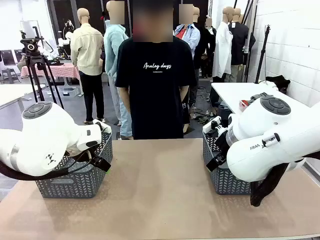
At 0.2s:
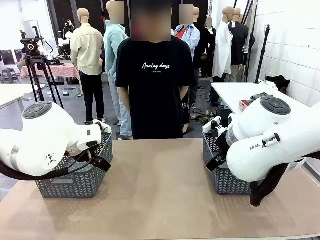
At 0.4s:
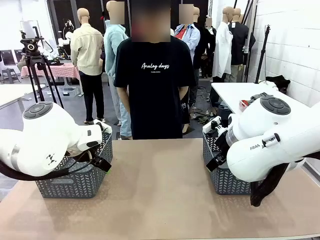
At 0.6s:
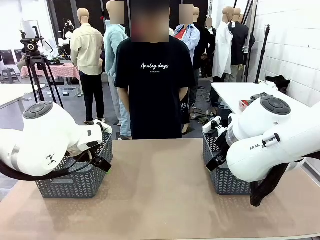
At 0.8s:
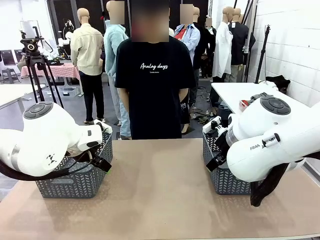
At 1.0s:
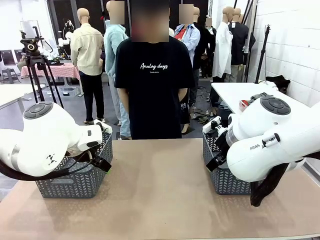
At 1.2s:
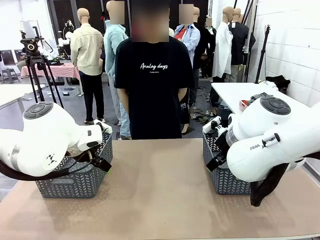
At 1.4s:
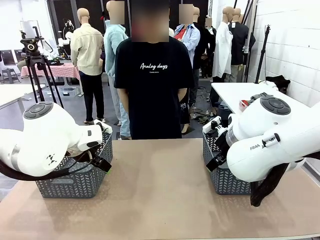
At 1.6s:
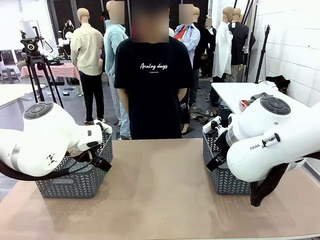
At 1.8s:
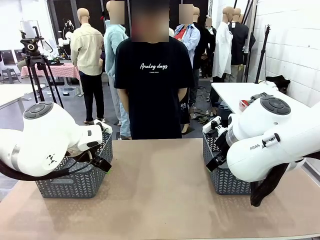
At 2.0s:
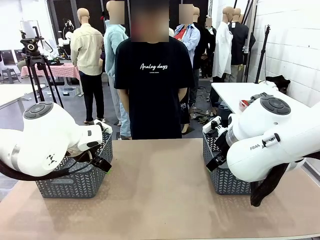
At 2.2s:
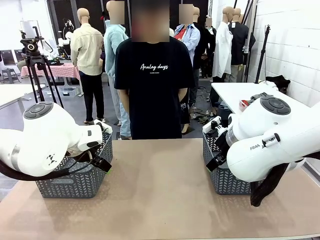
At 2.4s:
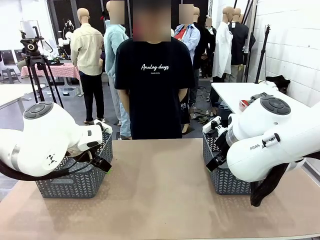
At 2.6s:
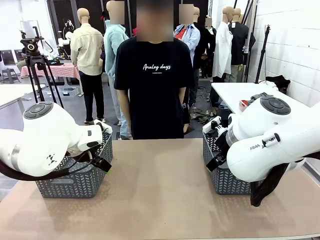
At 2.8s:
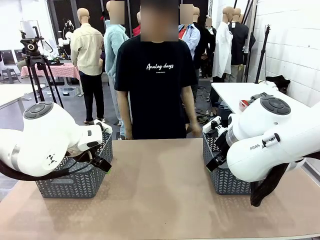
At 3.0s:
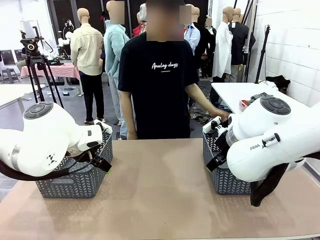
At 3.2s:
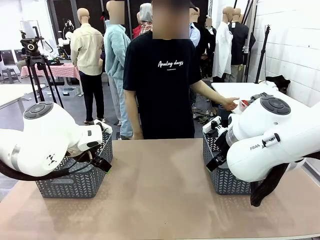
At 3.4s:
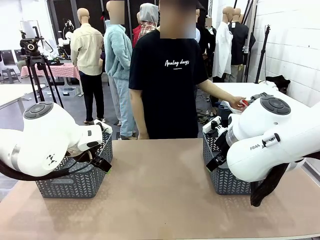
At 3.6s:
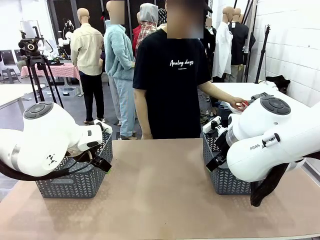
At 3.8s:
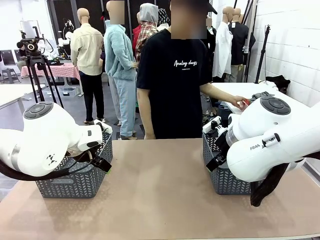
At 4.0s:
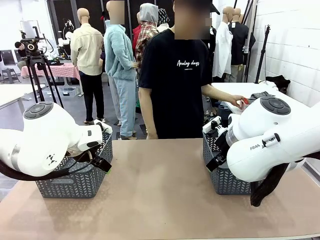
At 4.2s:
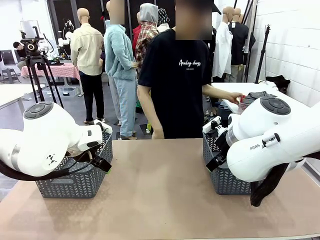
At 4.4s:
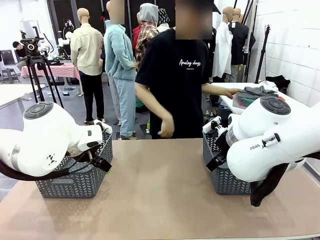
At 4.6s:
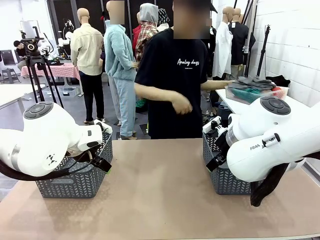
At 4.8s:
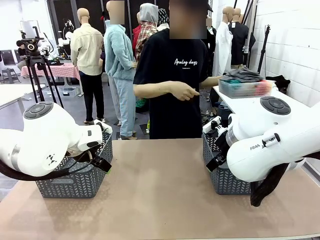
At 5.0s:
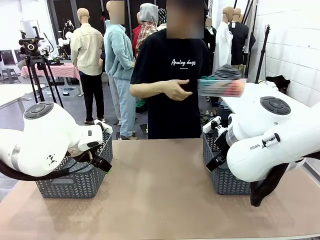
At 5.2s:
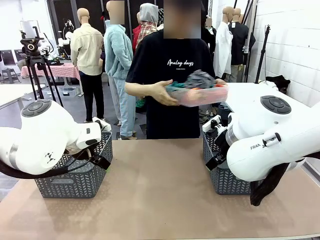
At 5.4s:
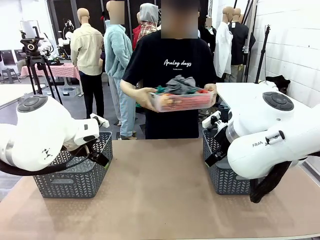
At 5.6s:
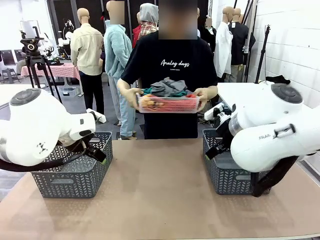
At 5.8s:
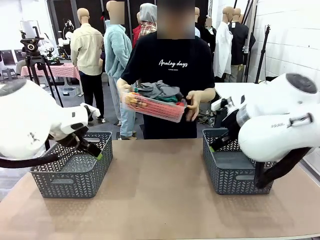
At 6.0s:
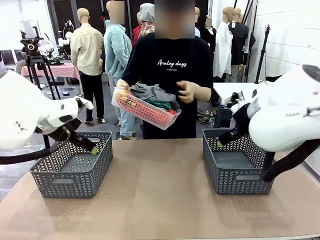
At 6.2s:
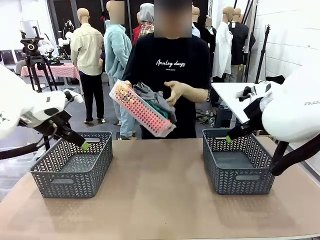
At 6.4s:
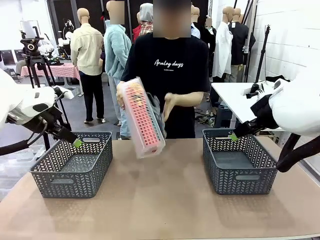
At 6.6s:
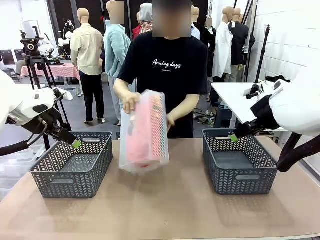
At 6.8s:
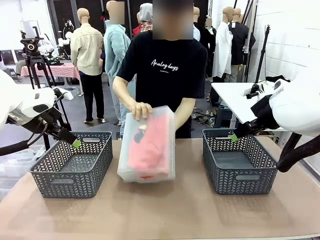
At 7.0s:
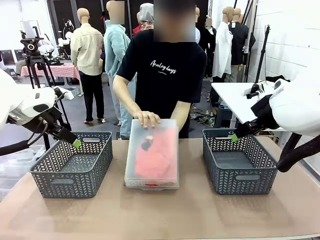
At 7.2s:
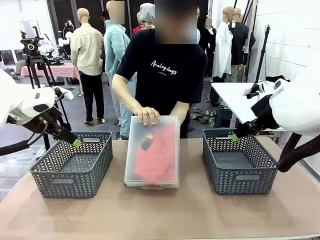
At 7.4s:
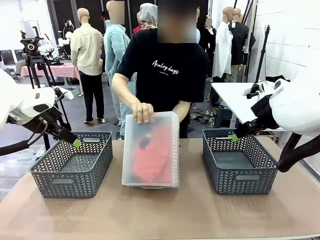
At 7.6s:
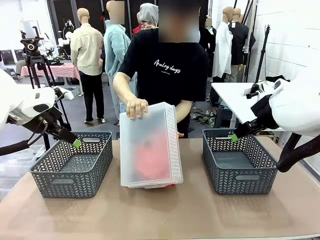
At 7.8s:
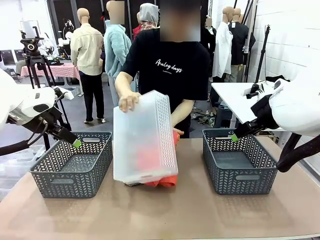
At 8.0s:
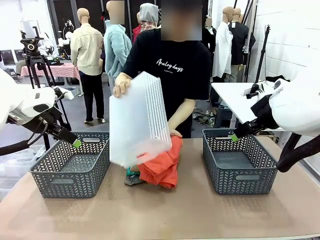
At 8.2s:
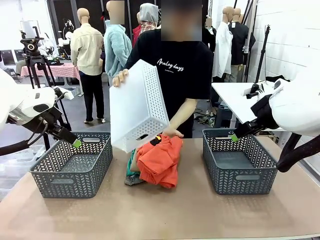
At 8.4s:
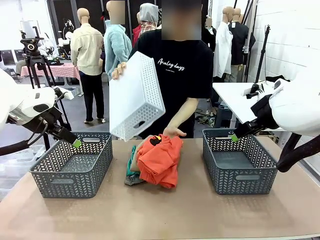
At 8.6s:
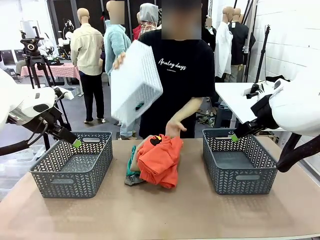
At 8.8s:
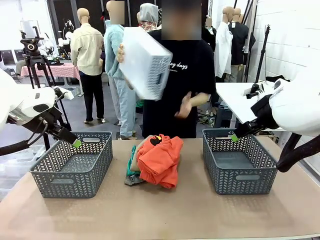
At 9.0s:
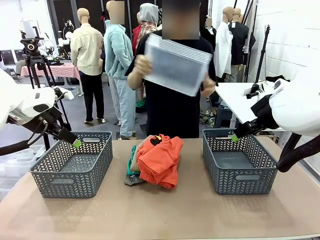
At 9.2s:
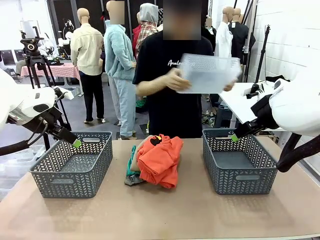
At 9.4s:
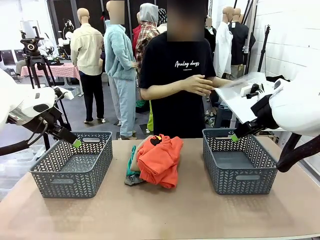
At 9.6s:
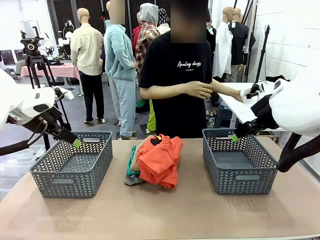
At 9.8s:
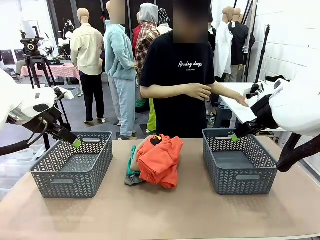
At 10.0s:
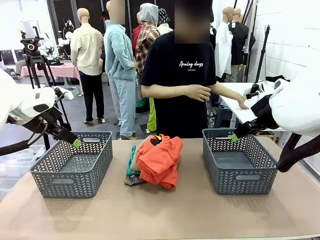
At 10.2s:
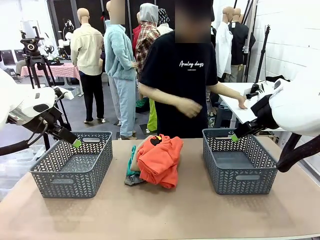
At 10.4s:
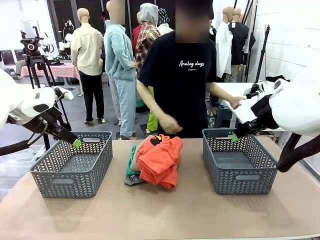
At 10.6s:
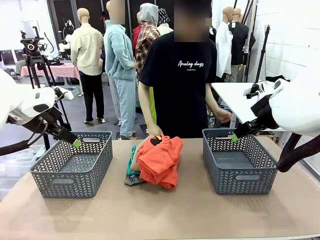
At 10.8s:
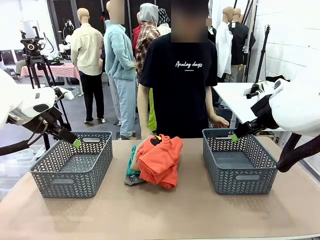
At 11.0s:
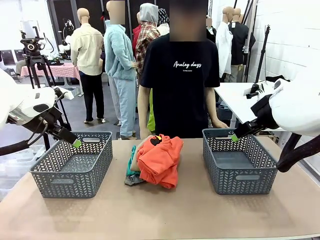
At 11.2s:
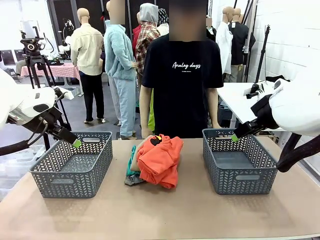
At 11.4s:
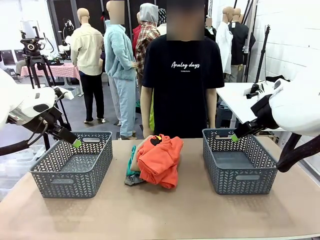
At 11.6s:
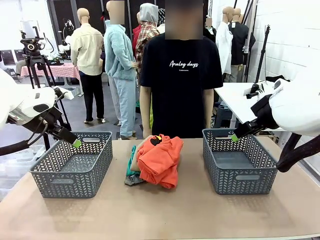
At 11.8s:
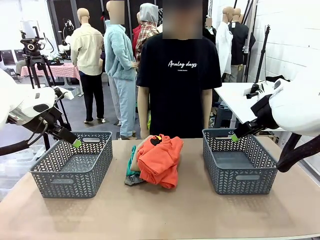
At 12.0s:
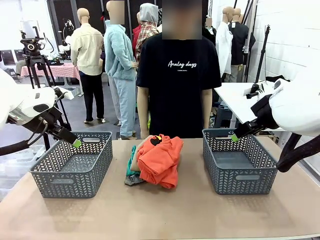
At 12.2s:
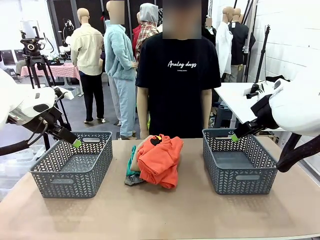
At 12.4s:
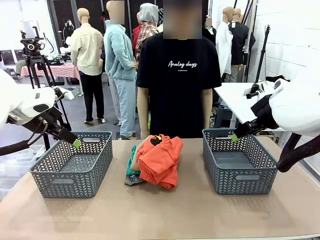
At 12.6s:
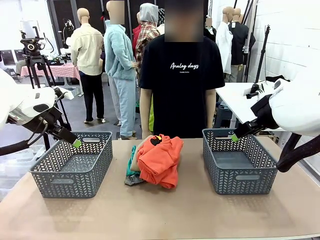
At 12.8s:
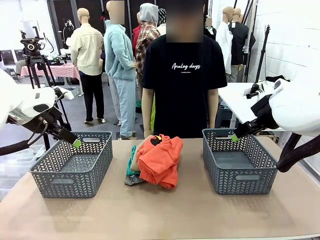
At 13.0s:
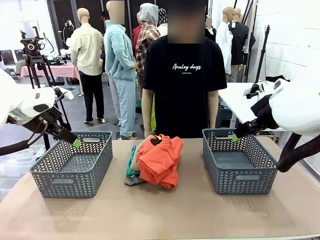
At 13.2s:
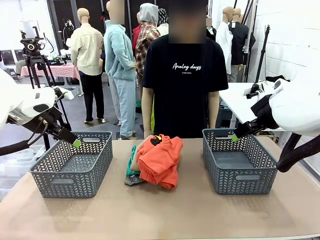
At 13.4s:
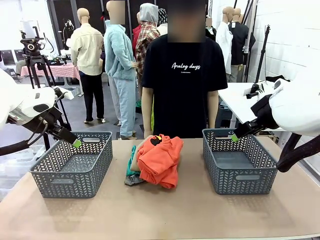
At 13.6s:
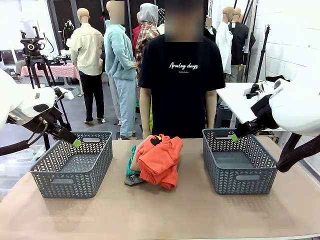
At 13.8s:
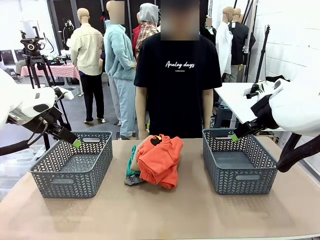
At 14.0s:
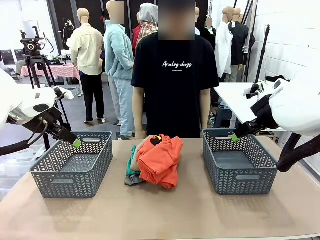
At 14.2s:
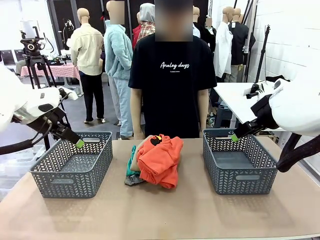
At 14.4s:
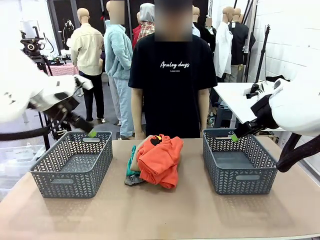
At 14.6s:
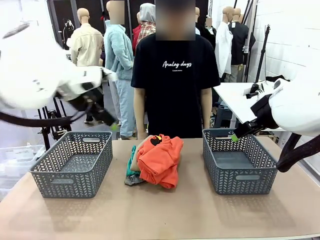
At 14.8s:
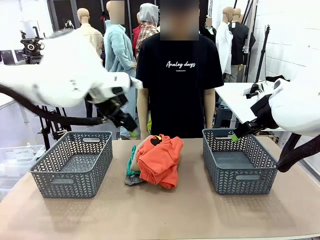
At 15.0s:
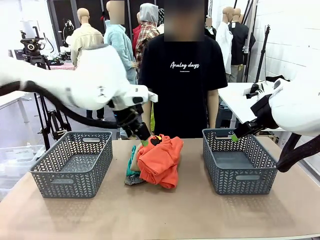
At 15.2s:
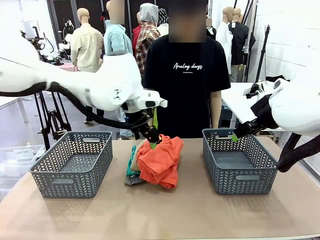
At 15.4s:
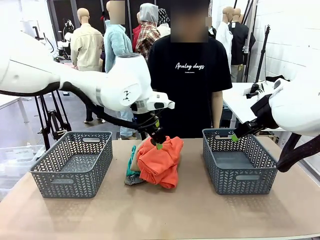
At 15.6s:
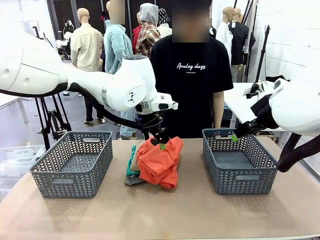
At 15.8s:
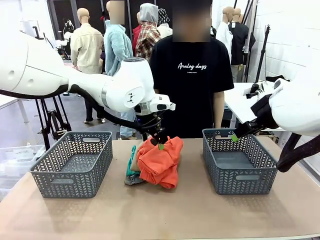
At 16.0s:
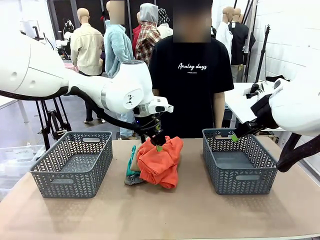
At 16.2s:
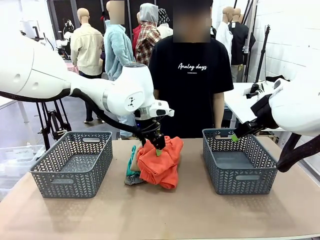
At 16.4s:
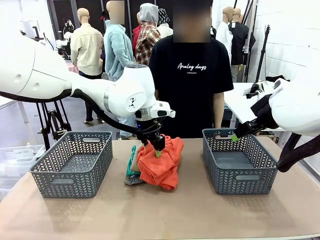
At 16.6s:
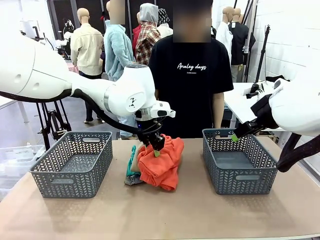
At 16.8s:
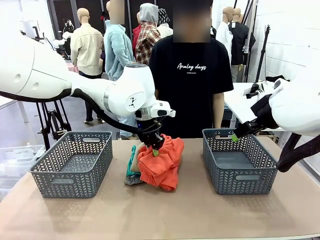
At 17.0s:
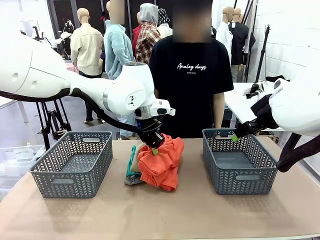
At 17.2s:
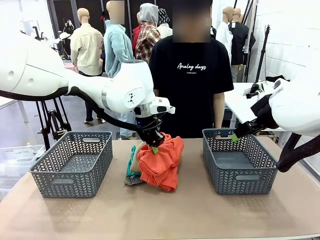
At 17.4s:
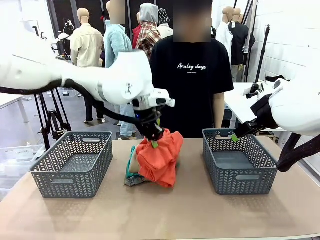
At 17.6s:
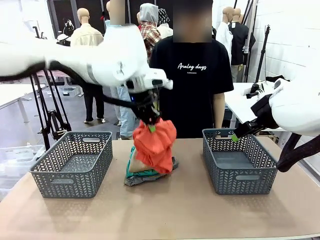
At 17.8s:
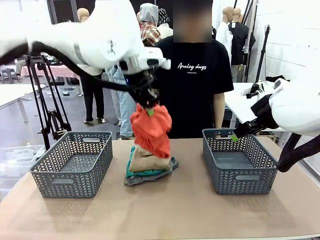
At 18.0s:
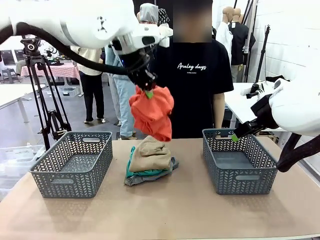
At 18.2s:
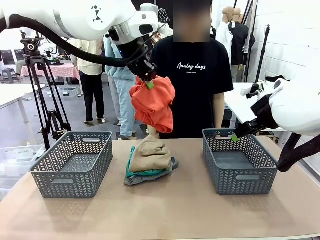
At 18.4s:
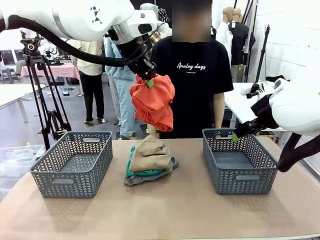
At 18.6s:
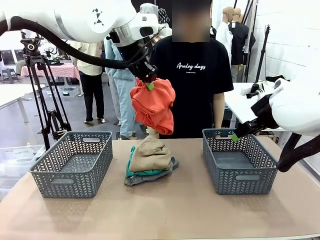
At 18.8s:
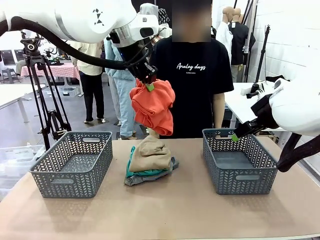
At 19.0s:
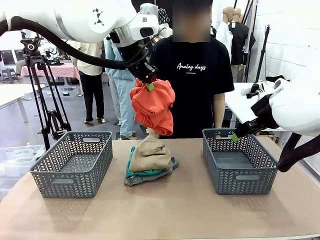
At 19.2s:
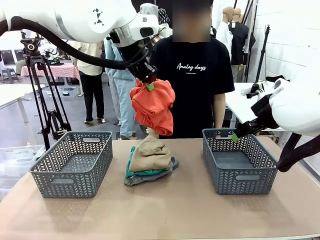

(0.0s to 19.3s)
Task: Sort the tops and bottoms.
Robot: Lift clothes from the center of the table with your left hand.
Person: Pour the clothes from the basket onto the center of the robot table.

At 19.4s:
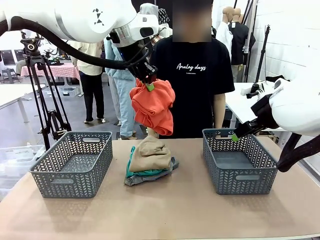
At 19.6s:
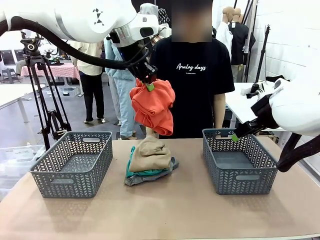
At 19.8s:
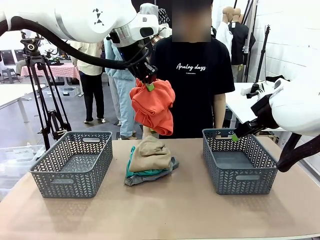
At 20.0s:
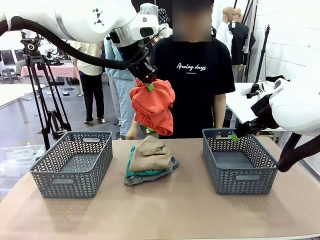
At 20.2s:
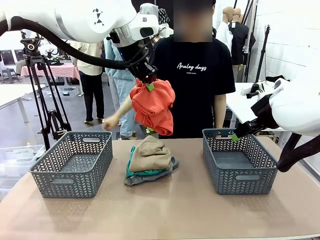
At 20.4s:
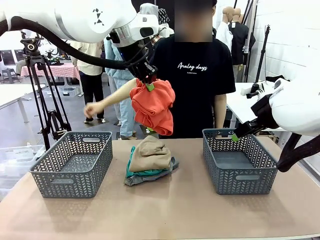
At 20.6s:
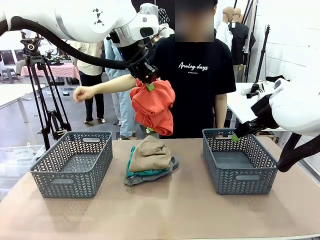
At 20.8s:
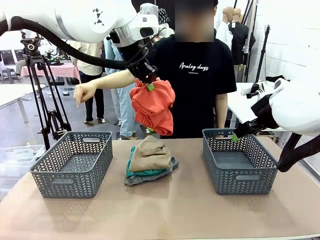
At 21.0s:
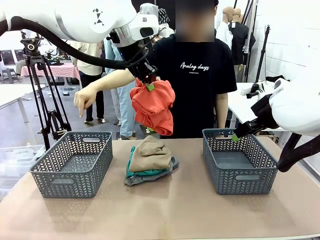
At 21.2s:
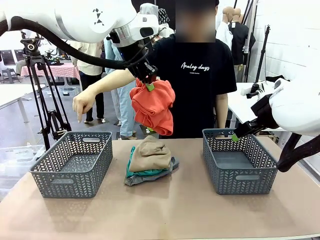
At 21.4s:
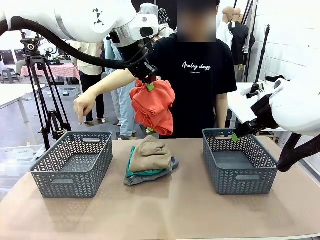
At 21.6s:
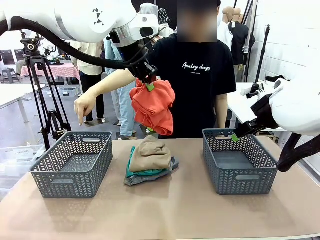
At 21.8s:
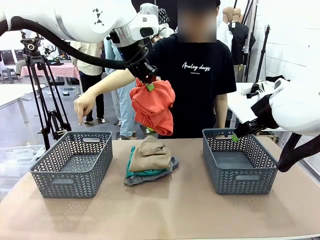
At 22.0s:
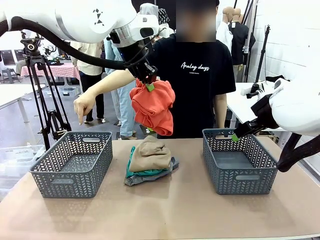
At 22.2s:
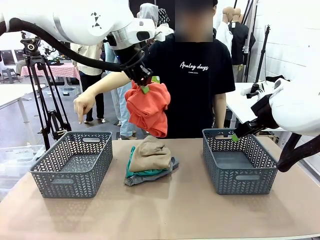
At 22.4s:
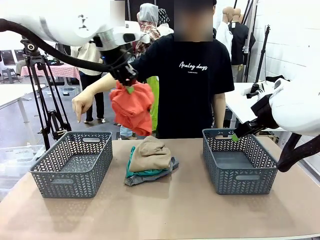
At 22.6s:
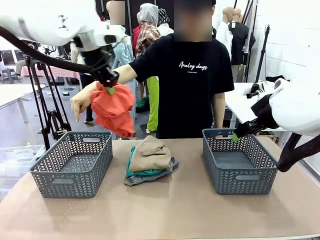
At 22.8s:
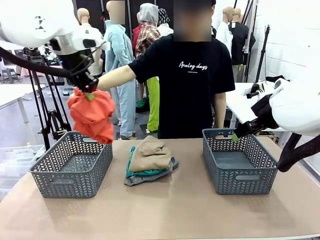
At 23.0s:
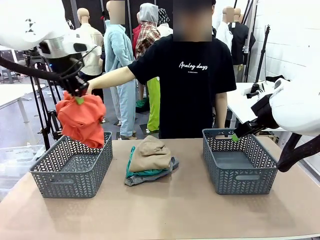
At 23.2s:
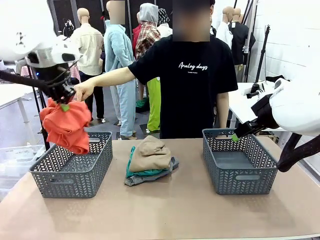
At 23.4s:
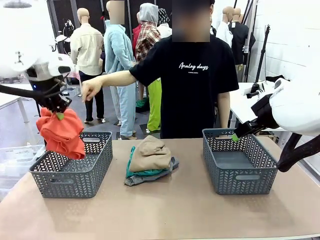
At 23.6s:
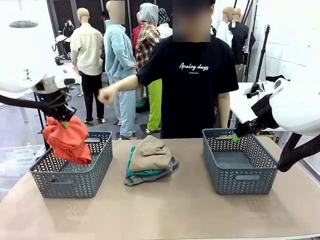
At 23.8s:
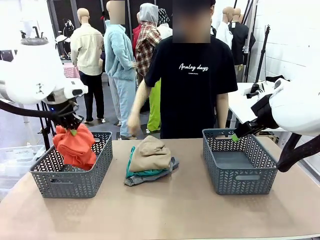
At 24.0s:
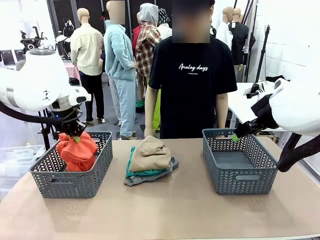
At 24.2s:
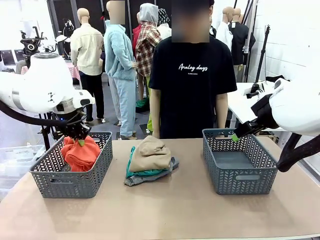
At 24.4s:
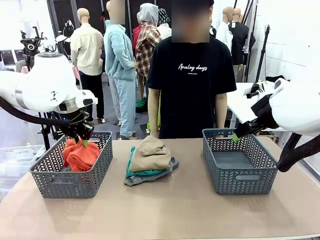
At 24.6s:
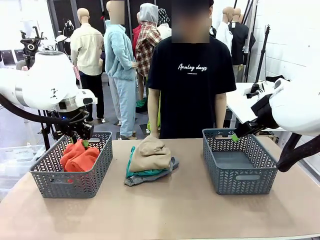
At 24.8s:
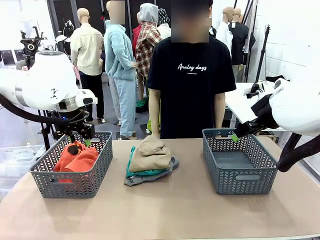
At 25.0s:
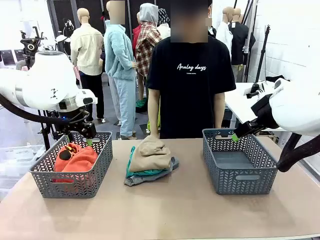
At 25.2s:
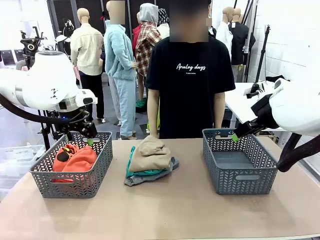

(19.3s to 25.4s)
Robot: Sort the clothes according to human instructions.
